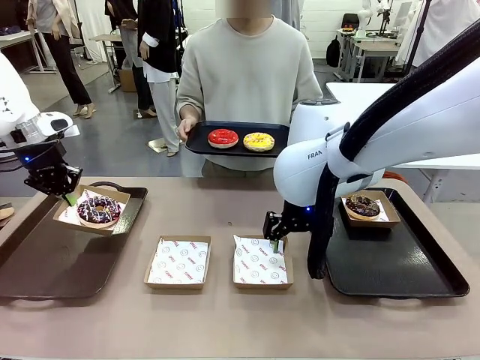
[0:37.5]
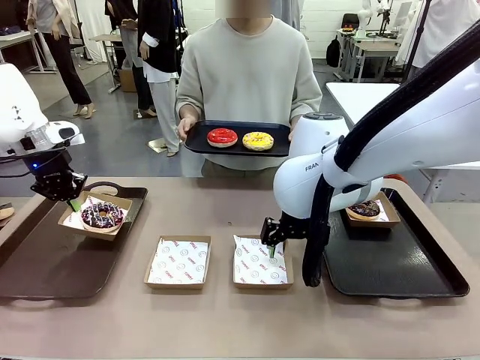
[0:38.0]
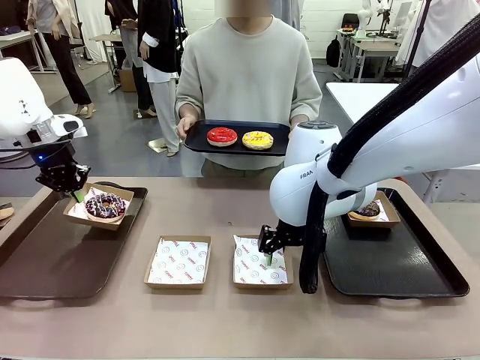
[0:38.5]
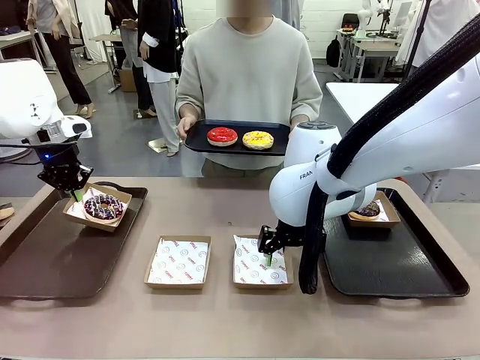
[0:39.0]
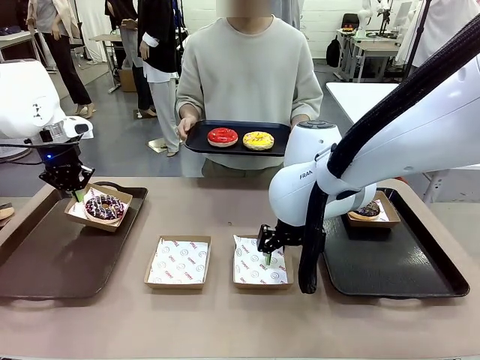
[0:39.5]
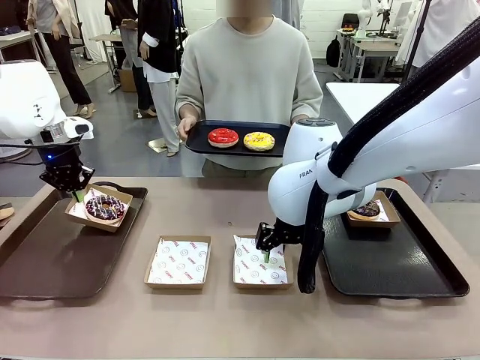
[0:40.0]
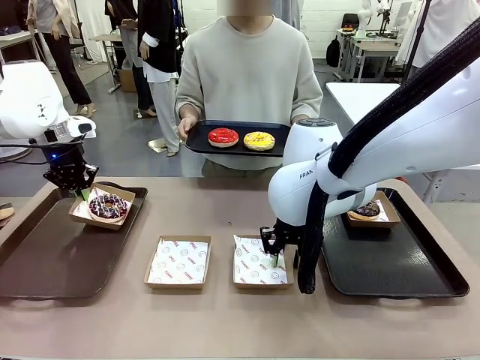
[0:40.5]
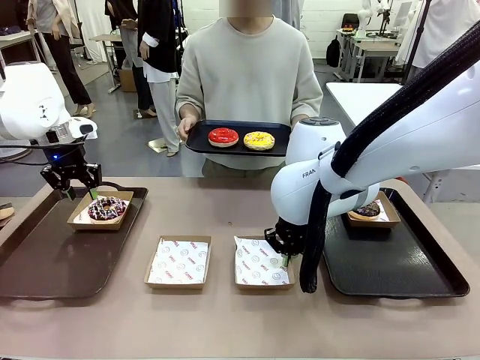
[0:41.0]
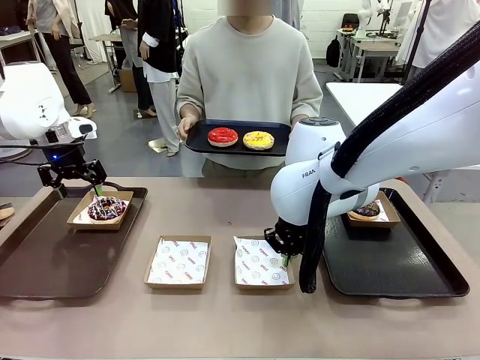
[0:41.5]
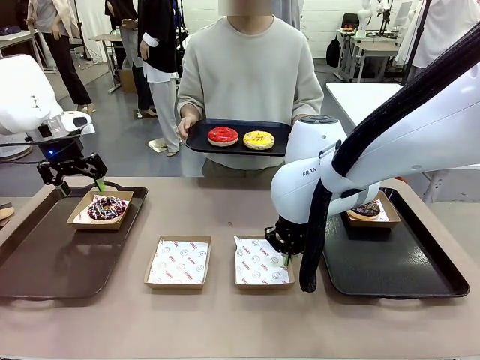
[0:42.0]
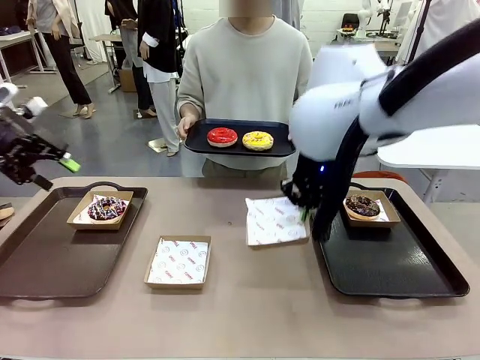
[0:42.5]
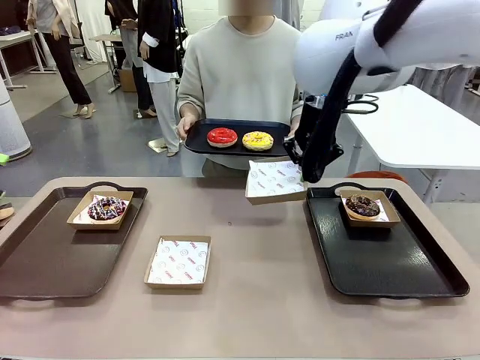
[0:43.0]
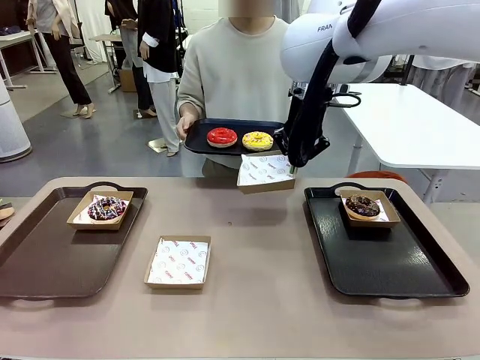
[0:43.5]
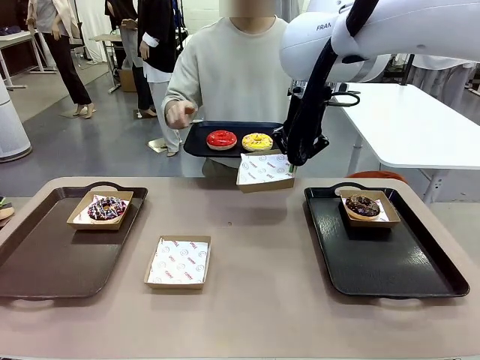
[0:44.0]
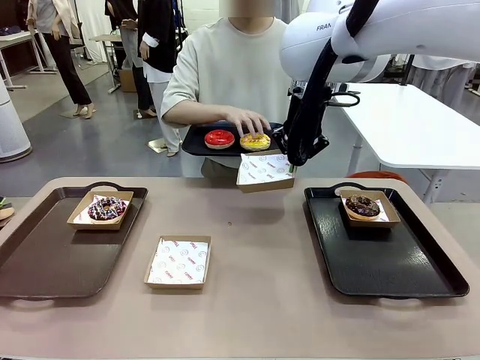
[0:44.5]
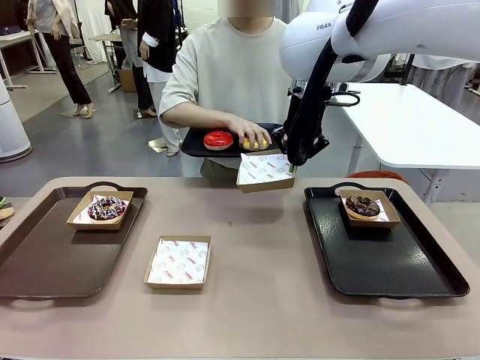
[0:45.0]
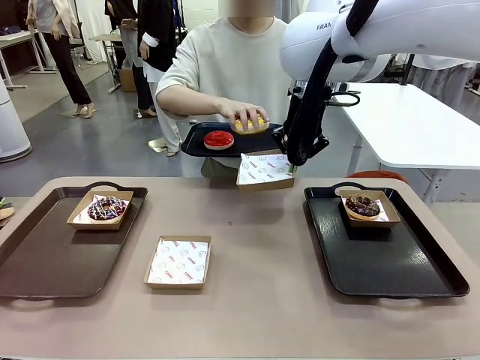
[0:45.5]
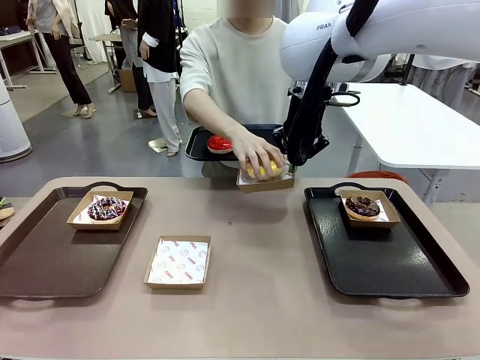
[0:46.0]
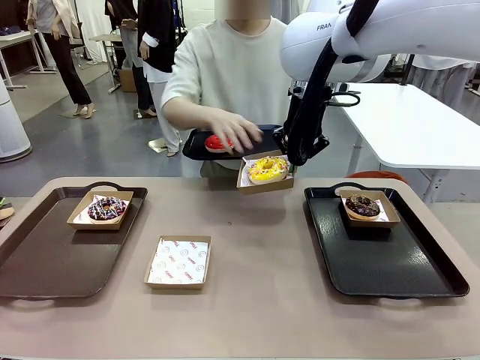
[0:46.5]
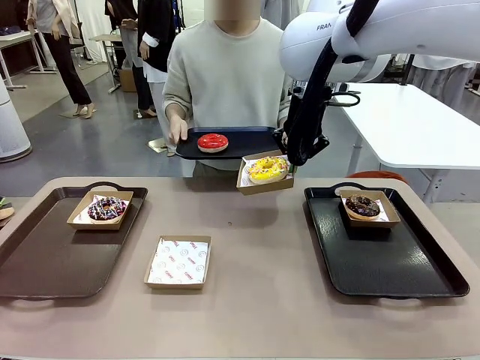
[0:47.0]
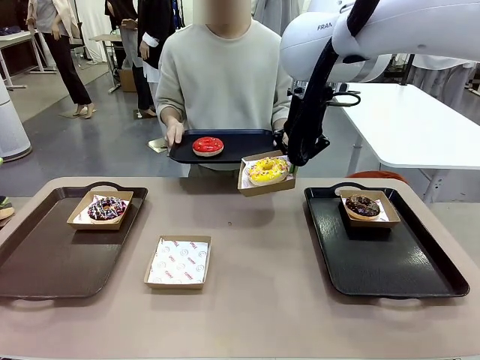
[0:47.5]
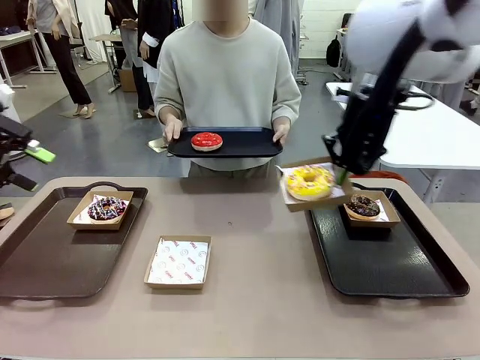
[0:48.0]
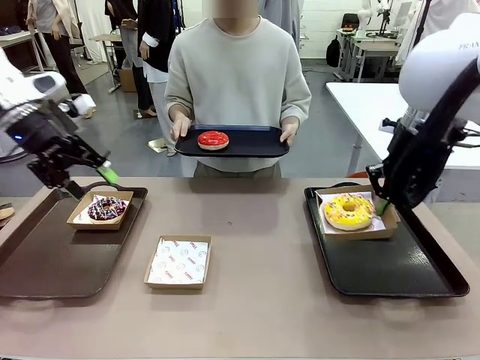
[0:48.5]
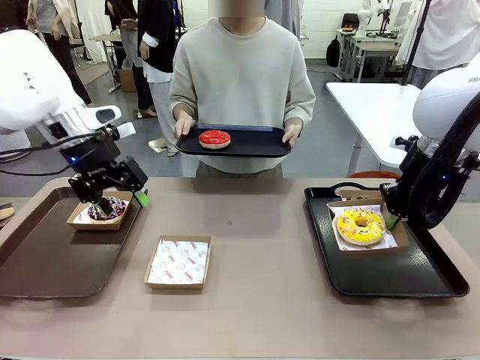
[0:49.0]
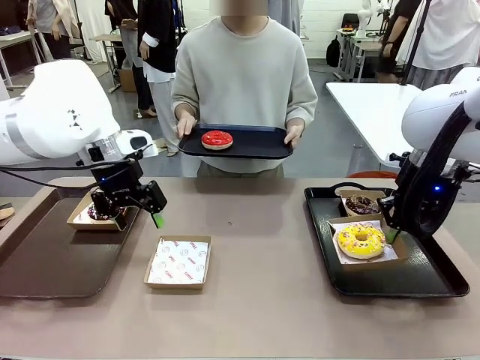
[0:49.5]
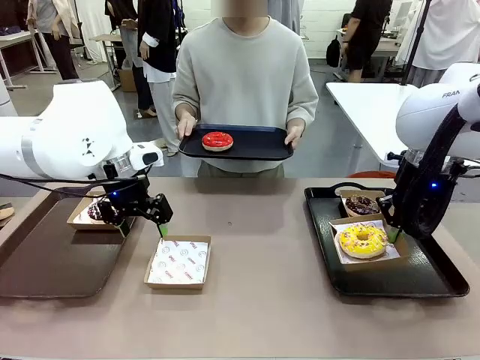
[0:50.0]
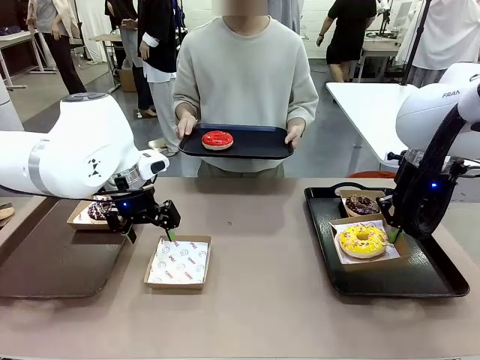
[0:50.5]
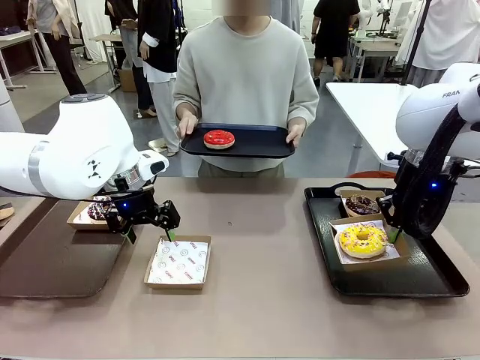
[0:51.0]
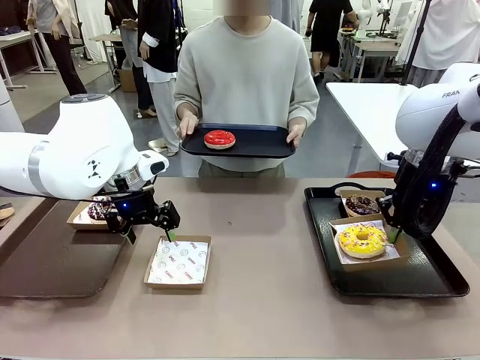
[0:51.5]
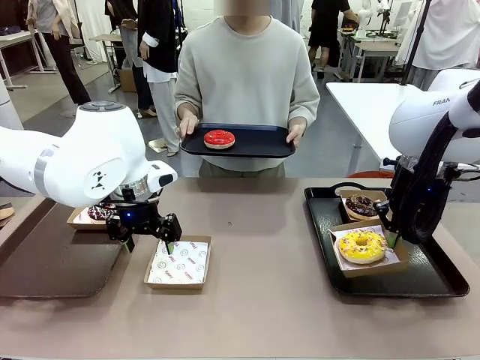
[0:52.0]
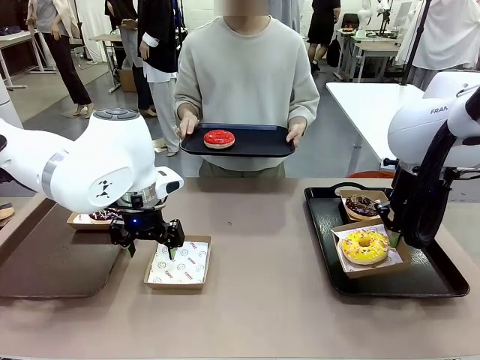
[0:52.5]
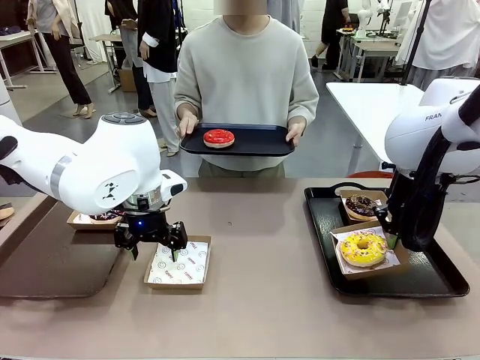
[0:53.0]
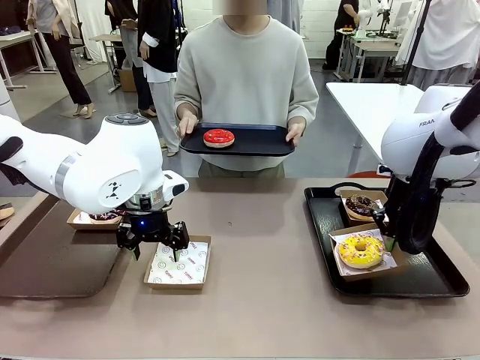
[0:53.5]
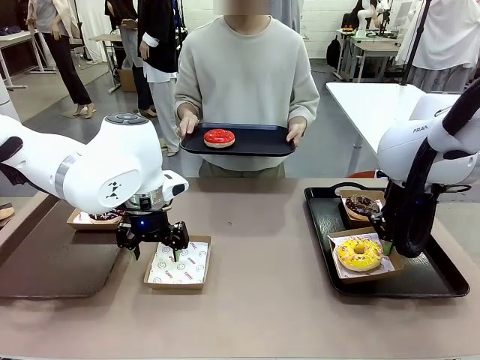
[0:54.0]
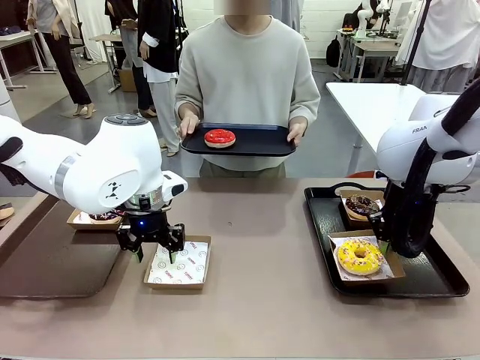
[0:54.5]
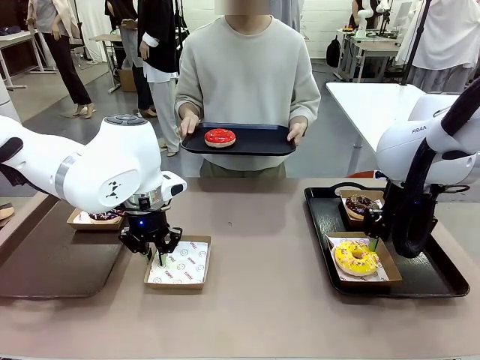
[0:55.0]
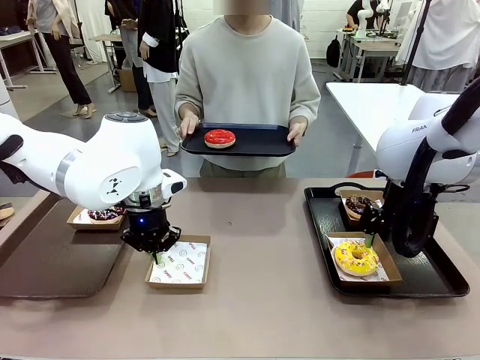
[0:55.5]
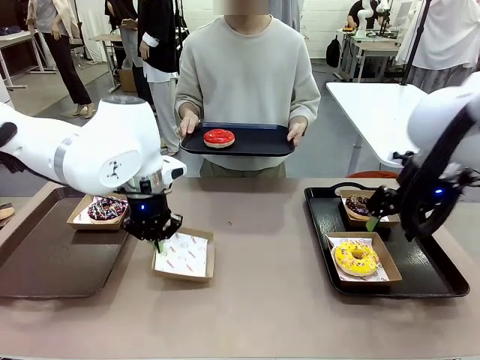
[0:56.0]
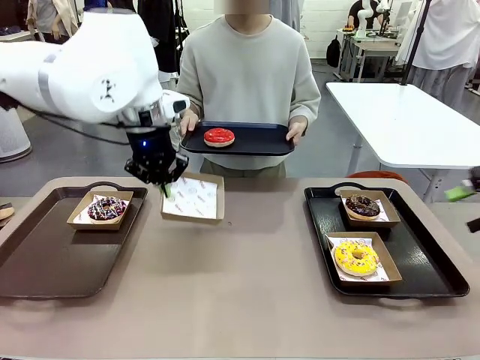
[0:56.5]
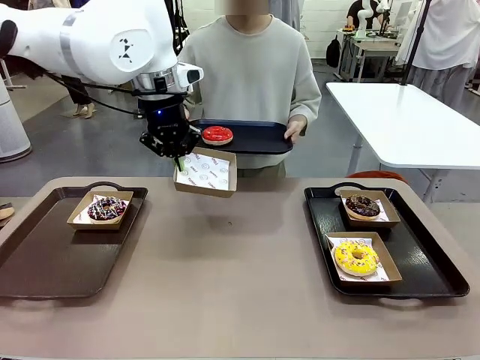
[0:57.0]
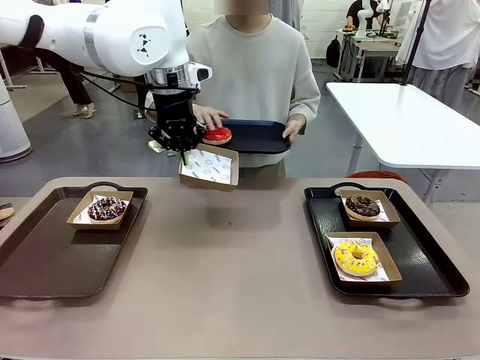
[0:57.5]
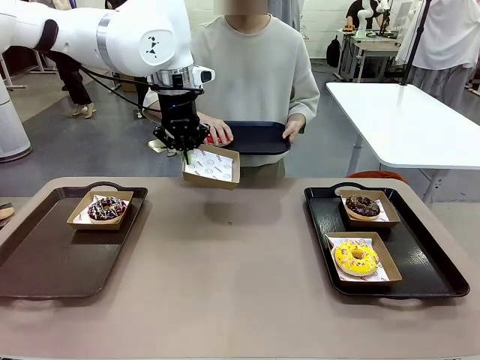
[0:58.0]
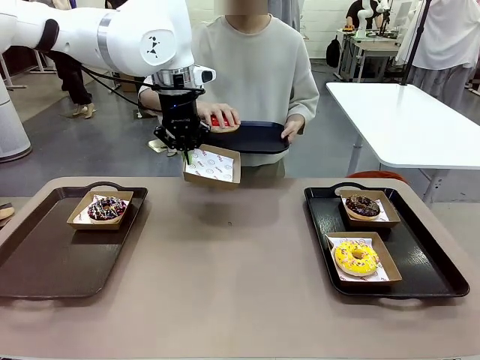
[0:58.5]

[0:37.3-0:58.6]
Task: Individually package the donuts and arrange them on the tray.
Robot: Place the picked Paper togo box on the Handle tray while simultaneously picking up another Paper togo box from the table with the other hand.

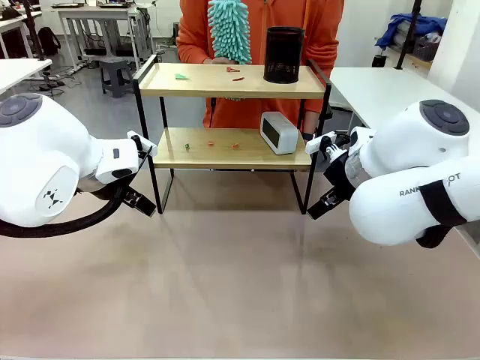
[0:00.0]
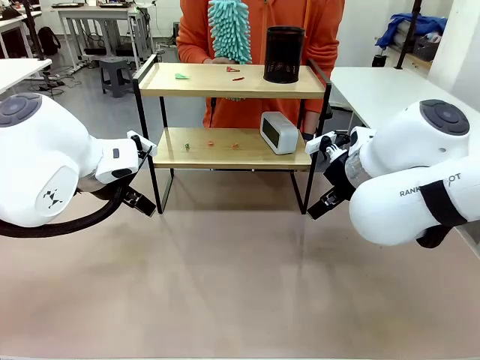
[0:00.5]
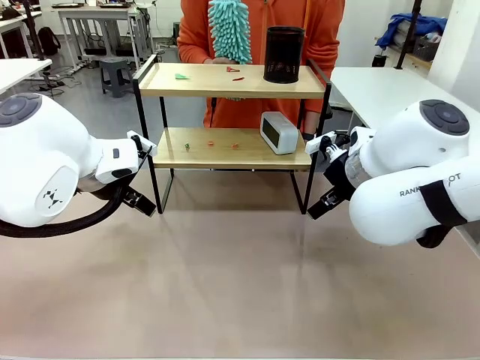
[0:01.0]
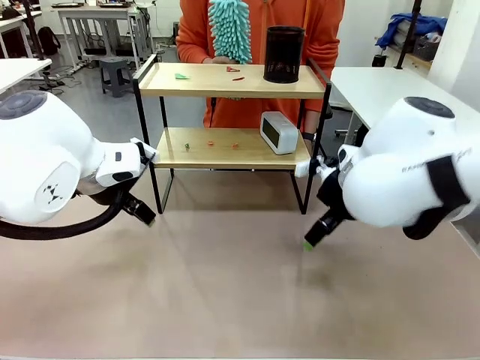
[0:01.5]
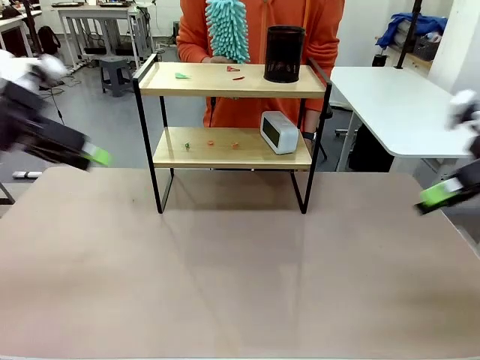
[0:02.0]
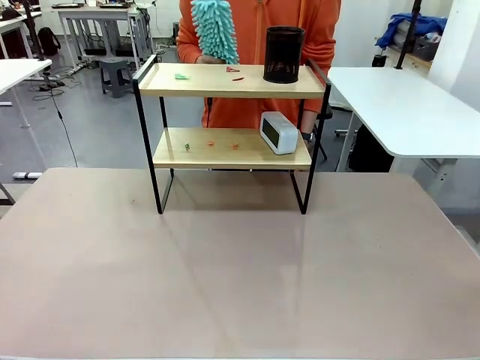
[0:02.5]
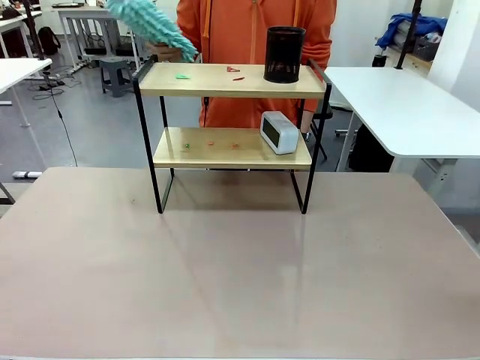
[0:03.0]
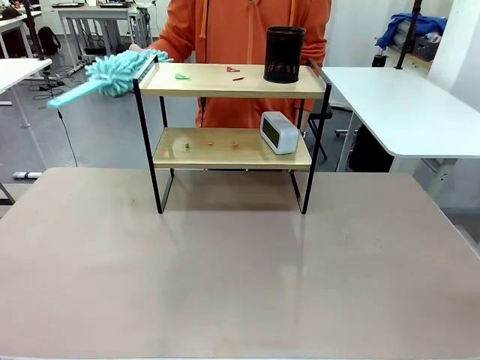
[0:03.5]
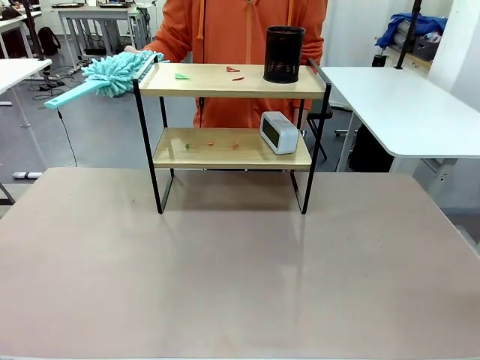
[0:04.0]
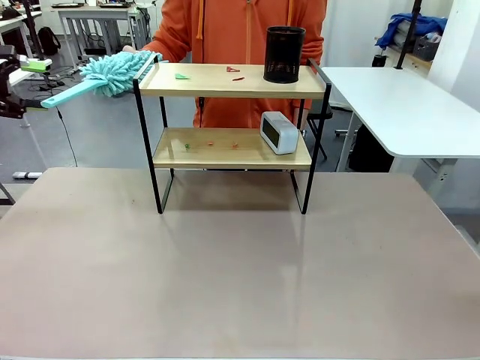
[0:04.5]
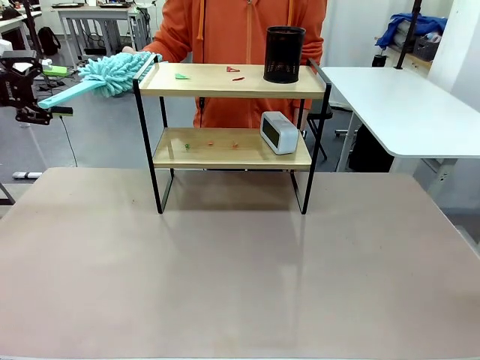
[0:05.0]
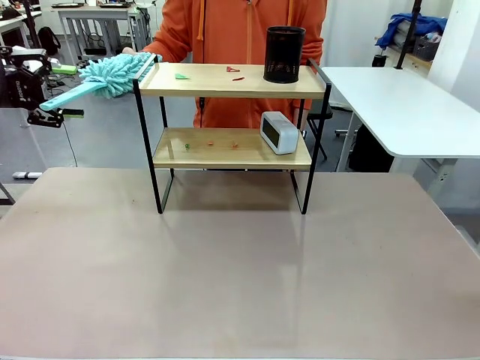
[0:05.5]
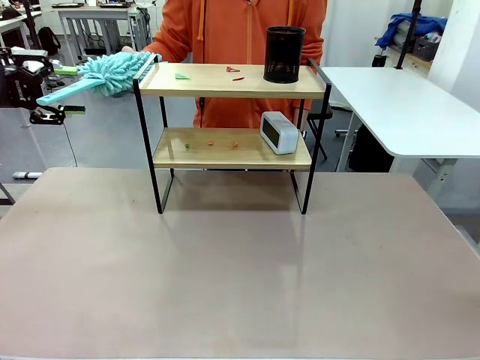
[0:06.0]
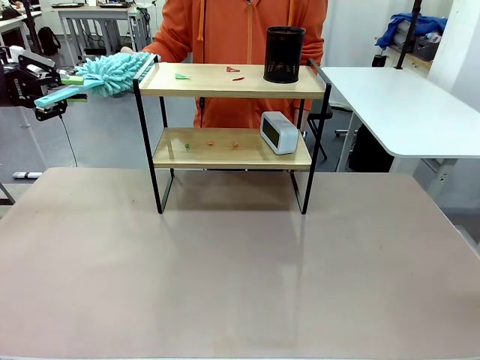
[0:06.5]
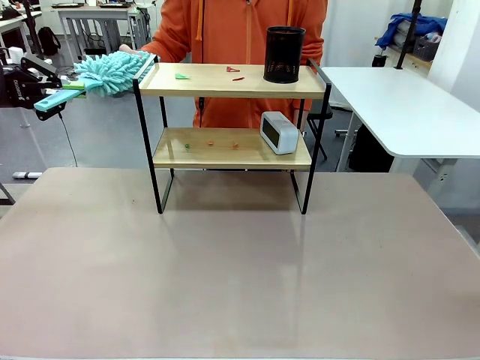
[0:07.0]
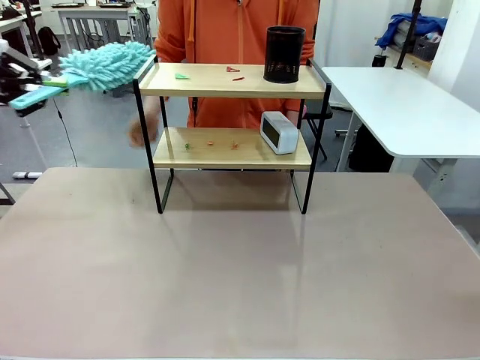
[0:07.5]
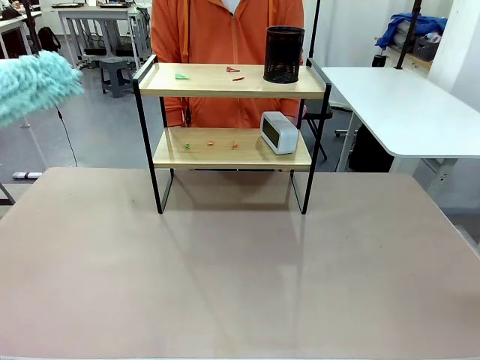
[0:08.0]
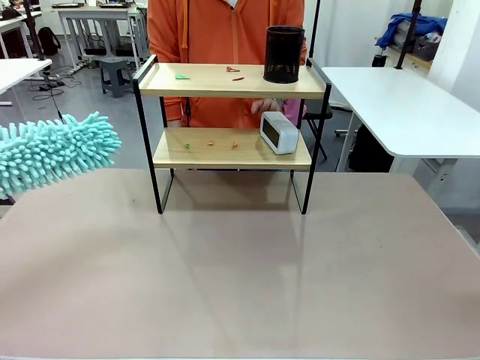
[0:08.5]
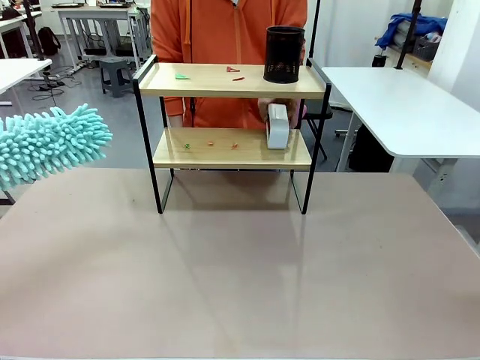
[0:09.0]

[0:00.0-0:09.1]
Task: Clean the shelf.
Robot: Pick up the Duster from the human.
Person: Hand the Duster to the robot.
